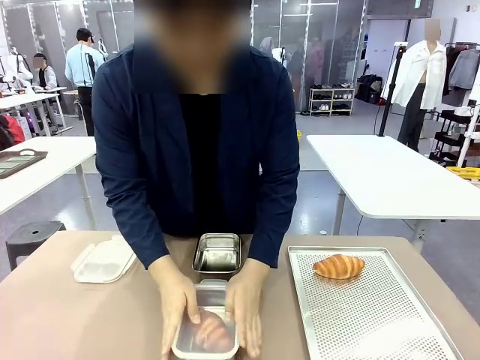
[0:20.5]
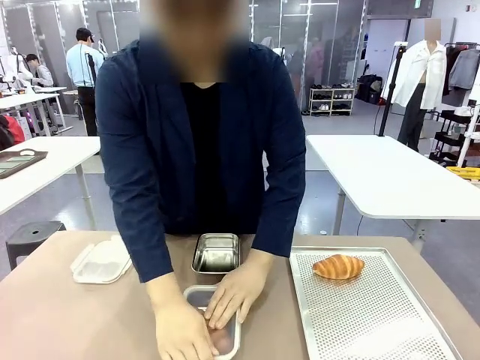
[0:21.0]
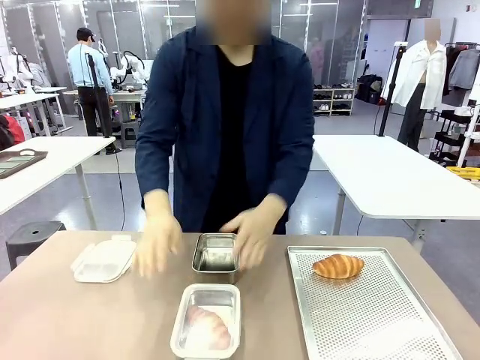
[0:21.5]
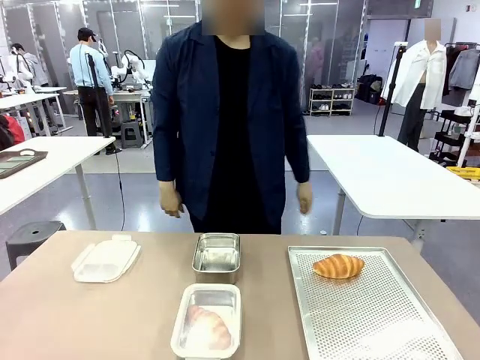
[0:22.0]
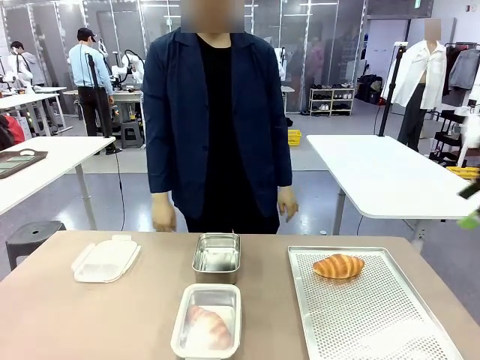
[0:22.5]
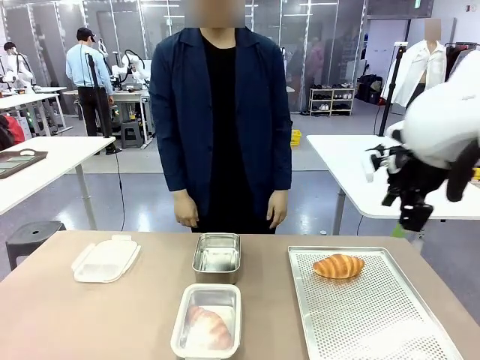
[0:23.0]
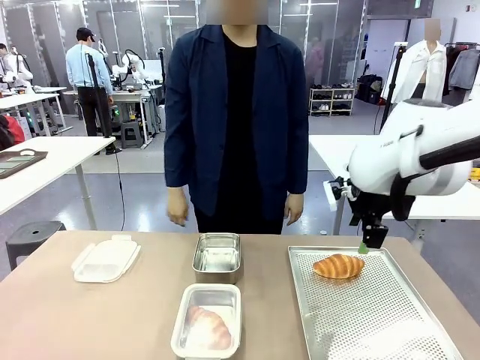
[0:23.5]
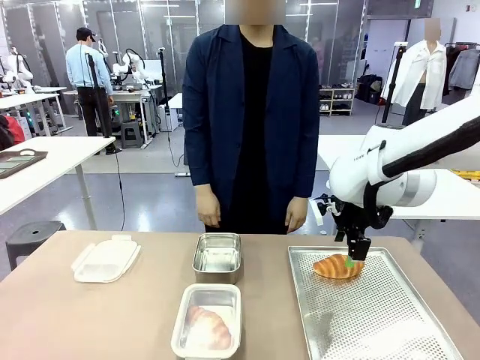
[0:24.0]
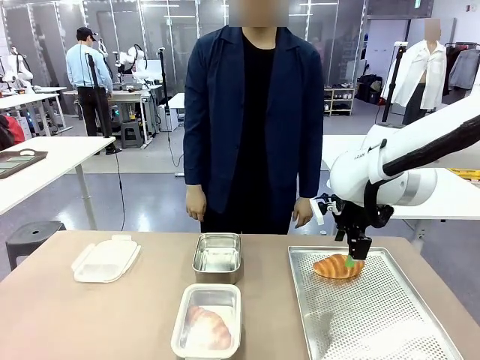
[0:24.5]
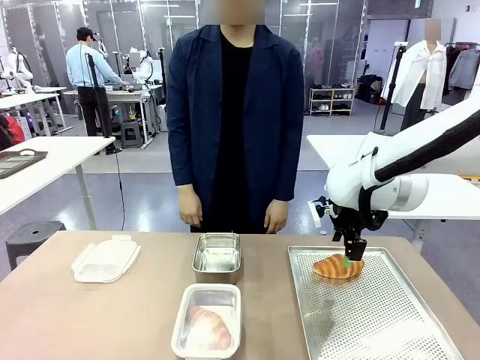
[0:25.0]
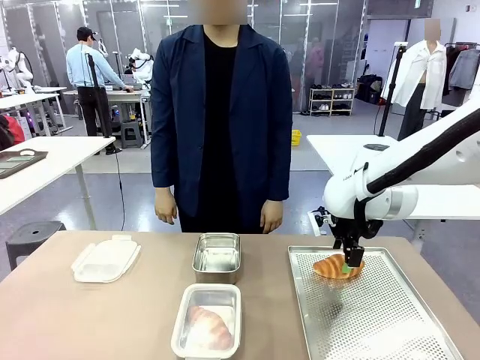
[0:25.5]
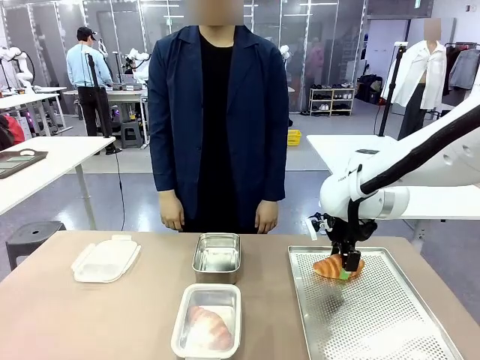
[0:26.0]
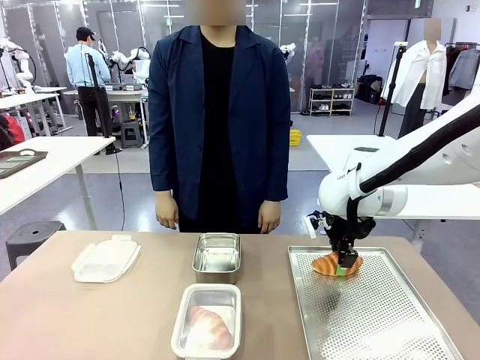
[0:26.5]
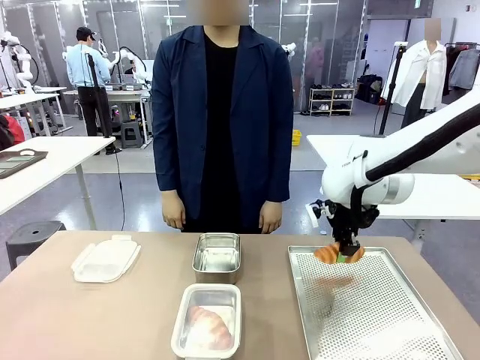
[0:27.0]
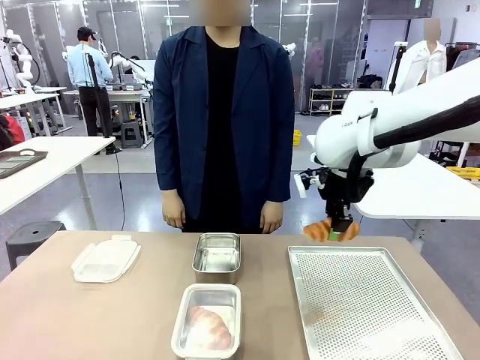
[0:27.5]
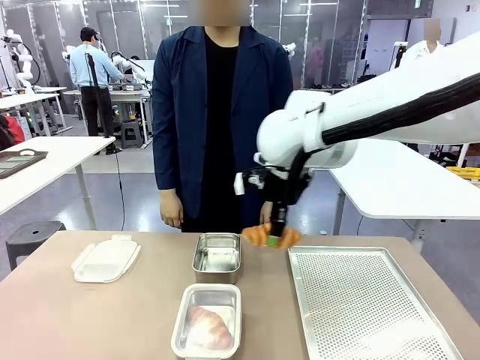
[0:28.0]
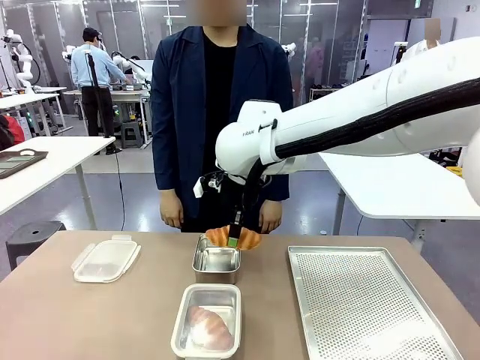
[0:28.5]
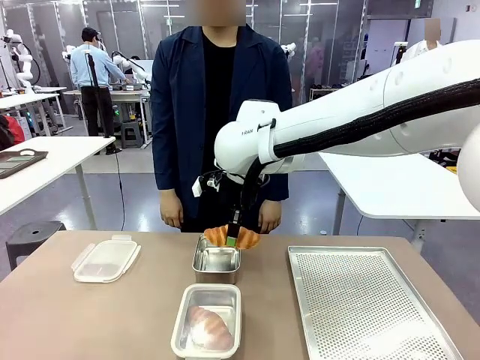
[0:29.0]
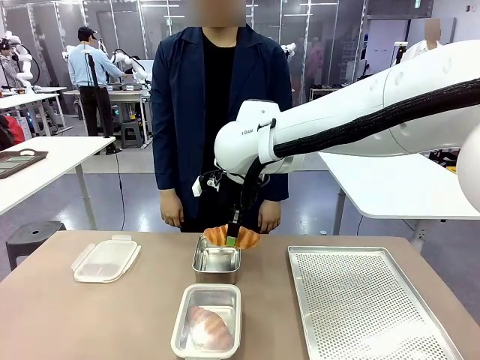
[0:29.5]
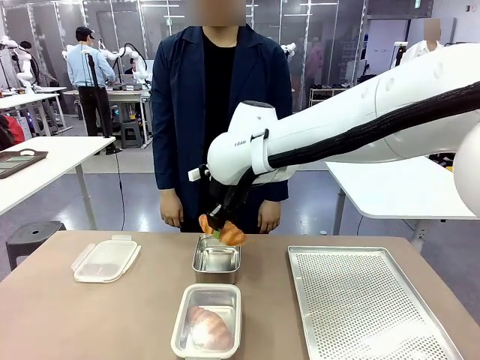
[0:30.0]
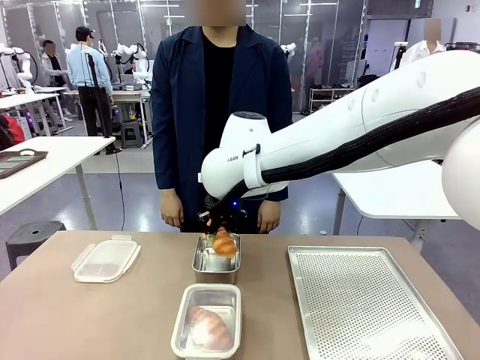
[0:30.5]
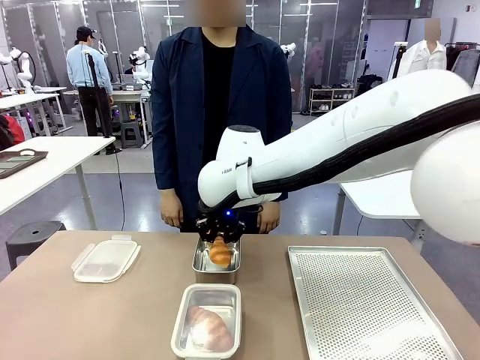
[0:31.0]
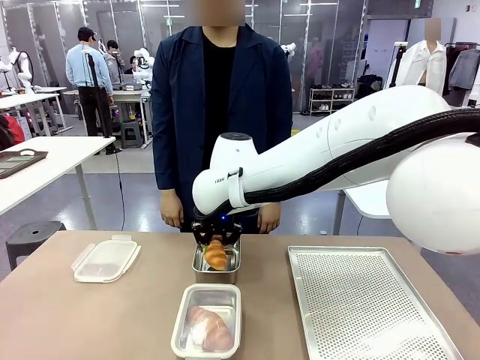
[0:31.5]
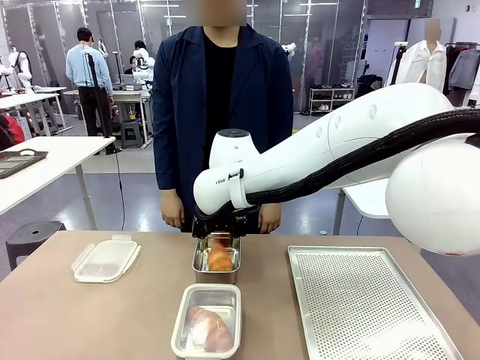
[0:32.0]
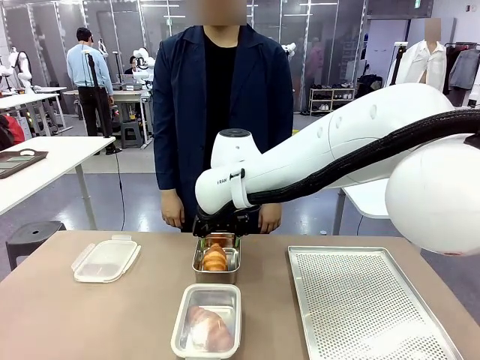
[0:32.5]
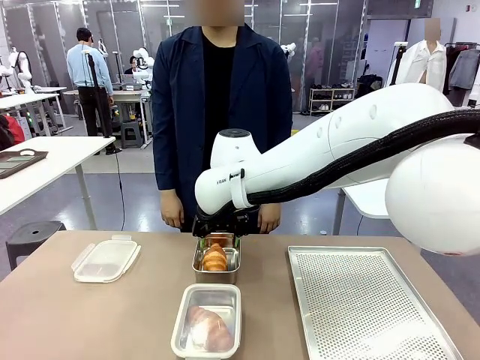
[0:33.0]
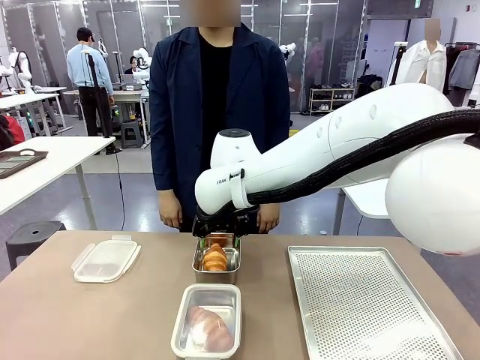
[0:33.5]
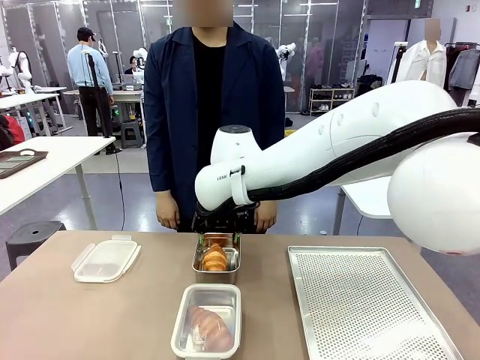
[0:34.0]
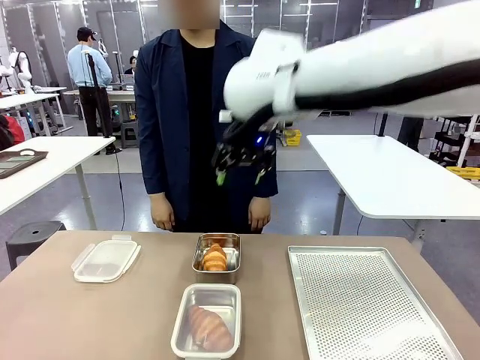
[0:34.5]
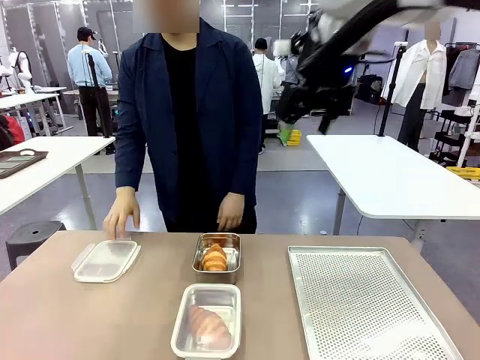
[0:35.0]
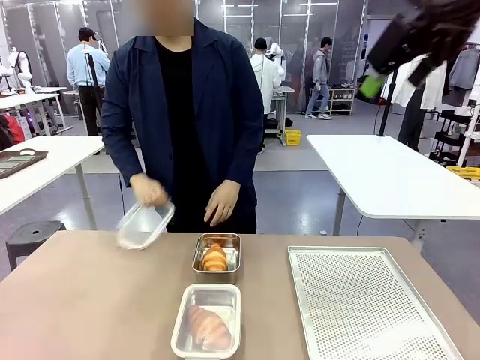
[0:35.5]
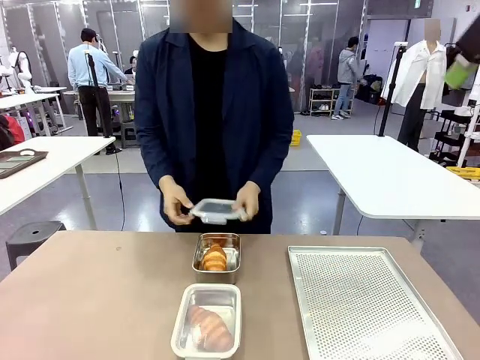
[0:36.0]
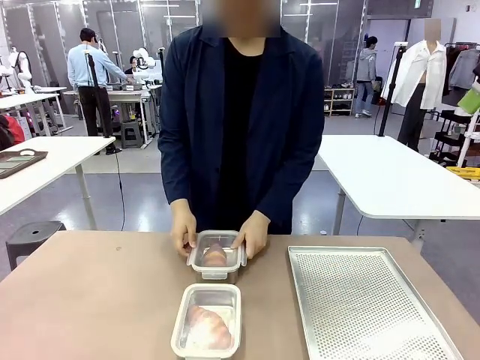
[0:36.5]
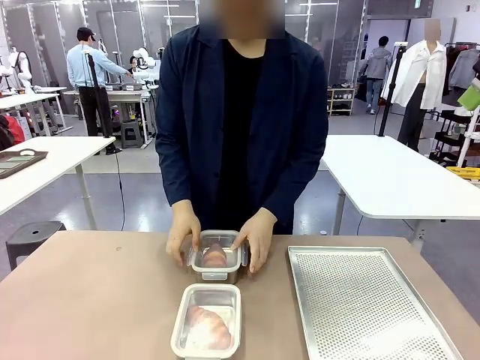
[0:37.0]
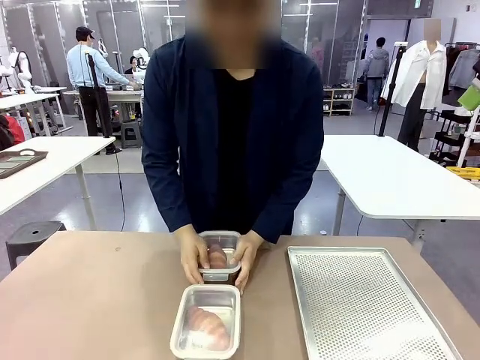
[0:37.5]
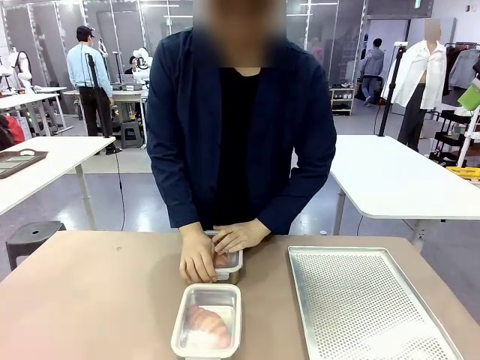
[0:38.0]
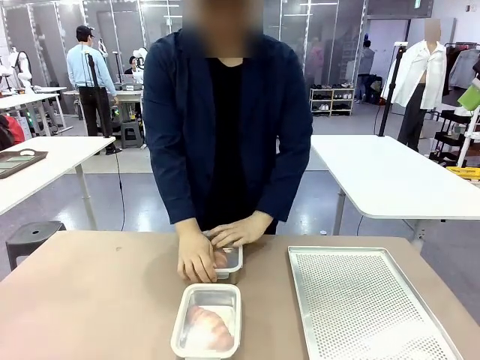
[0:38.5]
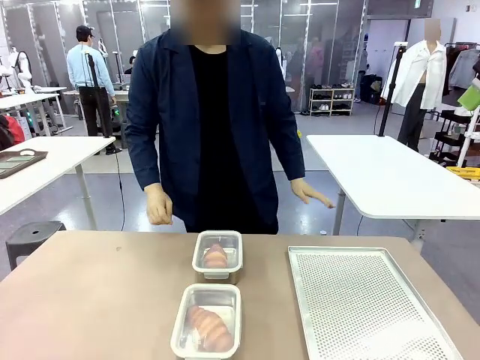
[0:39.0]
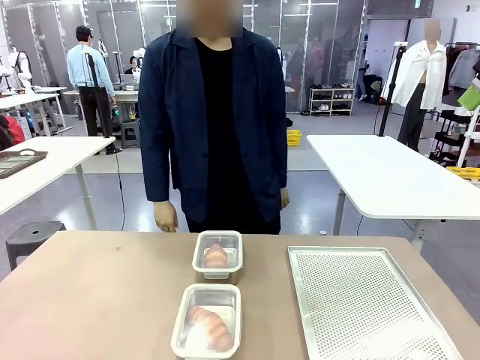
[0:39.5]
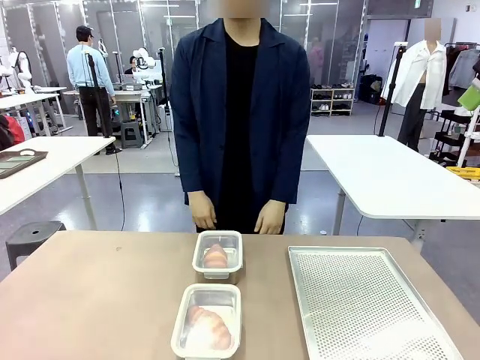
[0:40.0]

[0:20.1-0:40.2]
Task: Place the bread into the airtight container.
Robot: Pick up a Butter Roll and place it into an empty Airtight Container.
